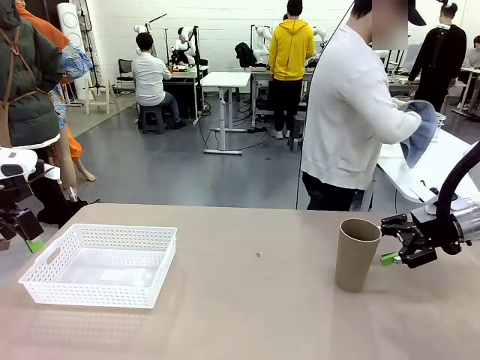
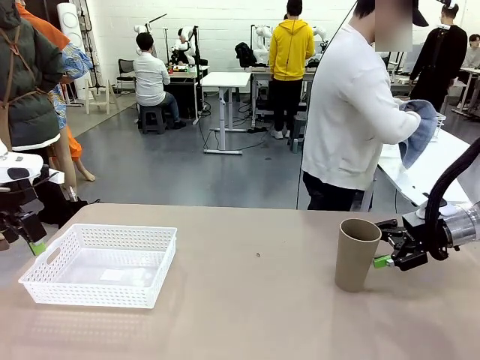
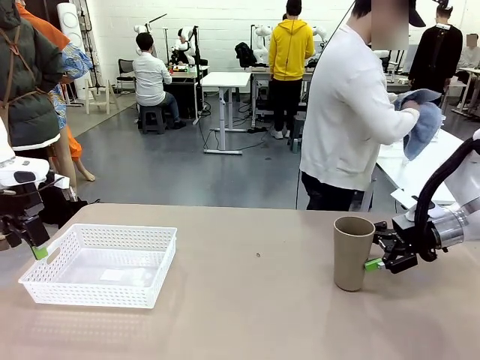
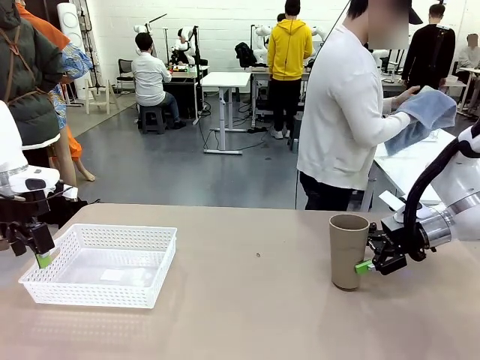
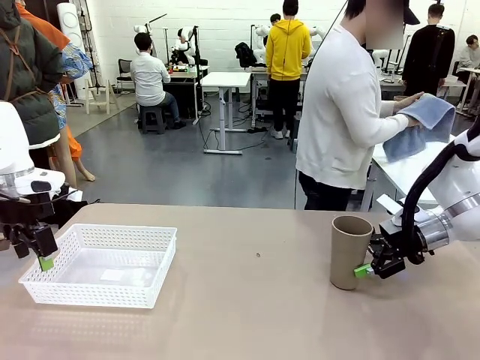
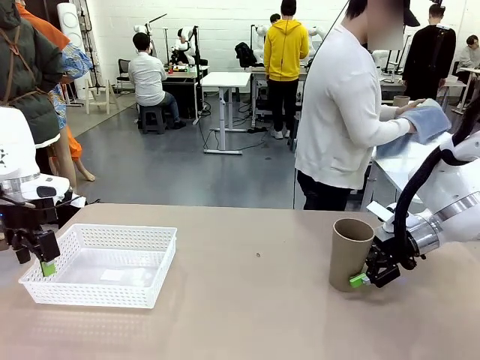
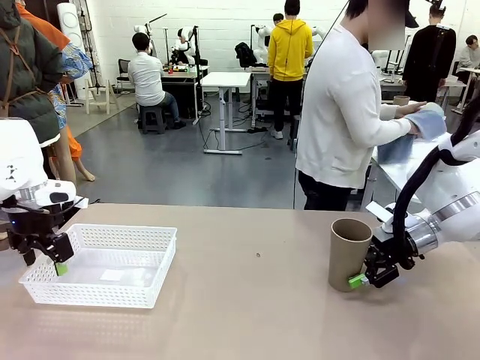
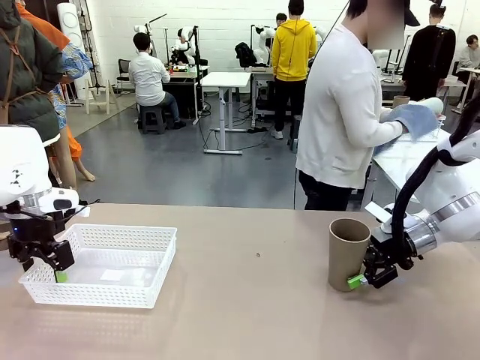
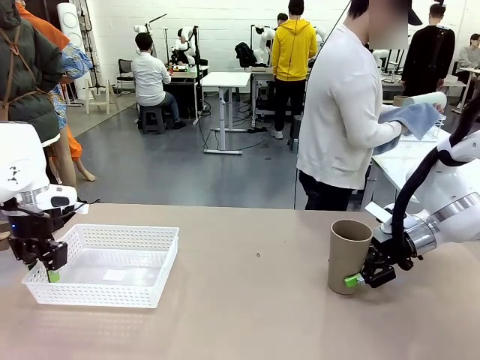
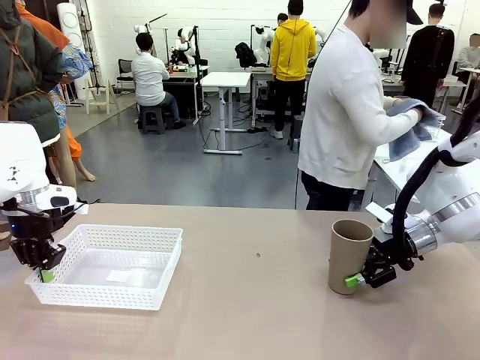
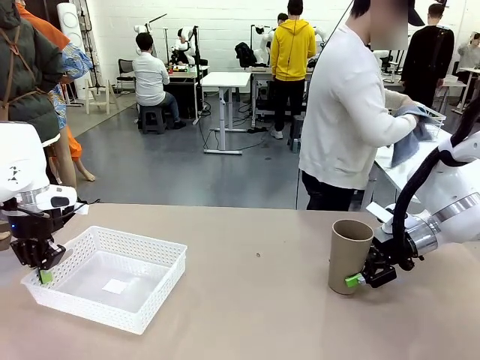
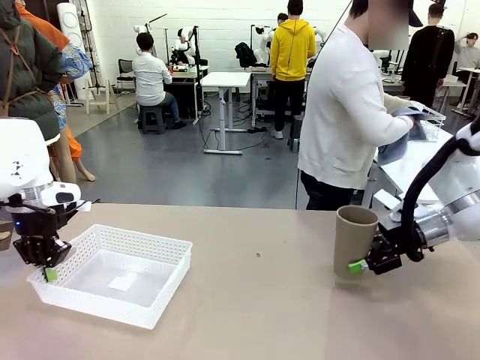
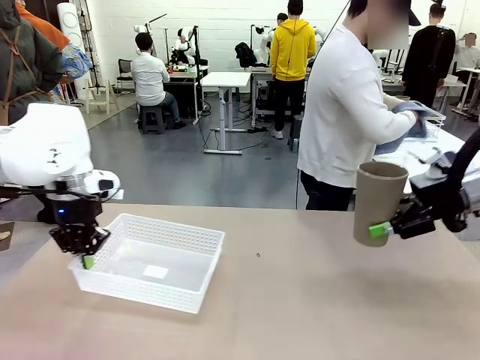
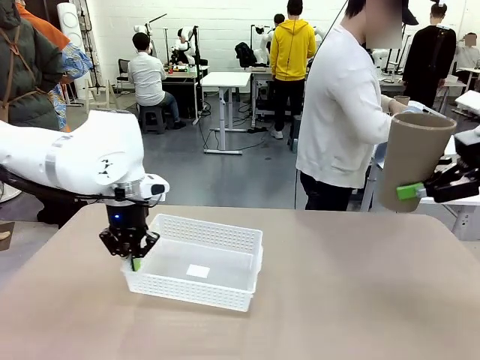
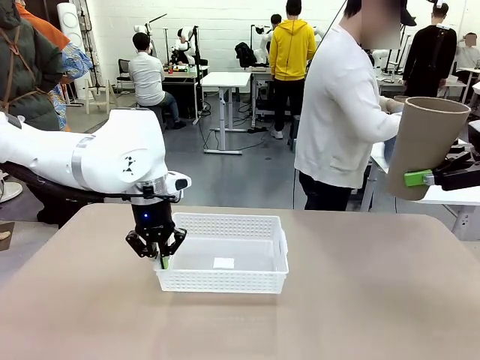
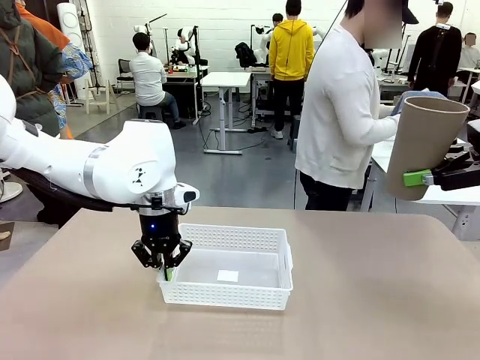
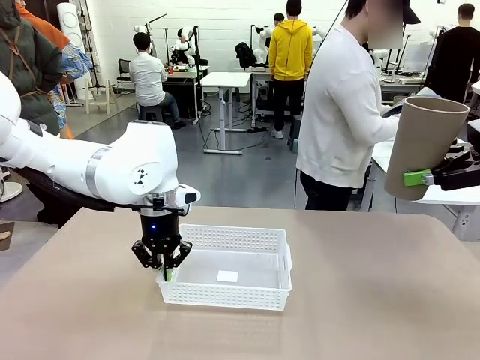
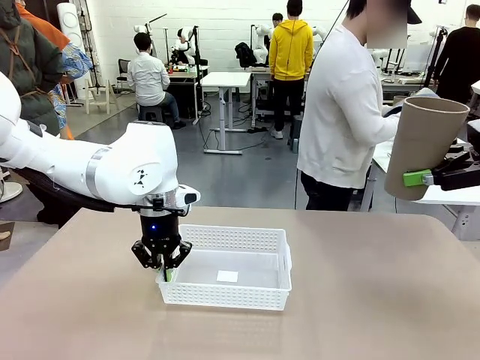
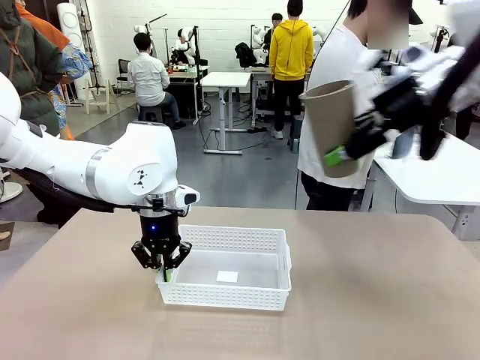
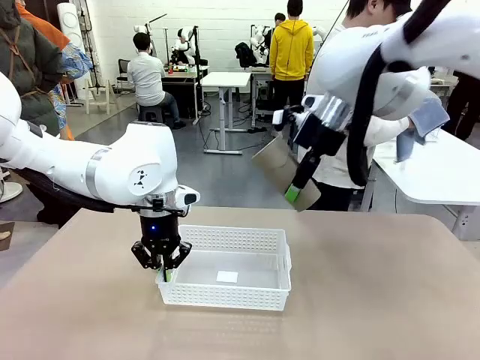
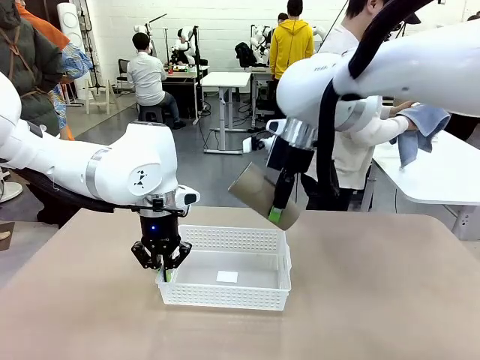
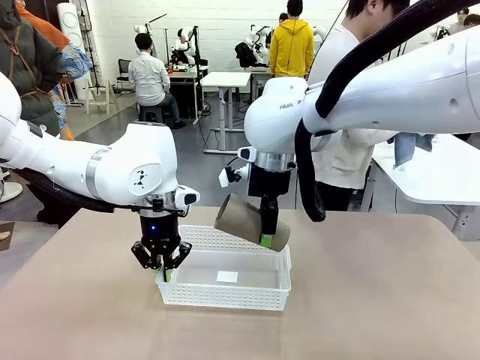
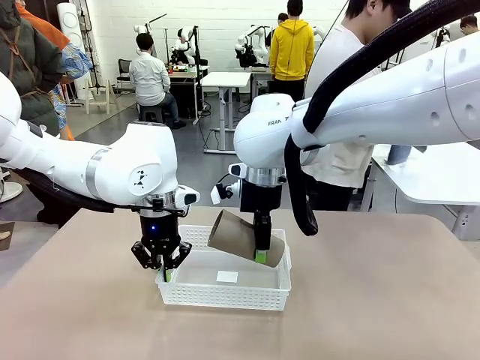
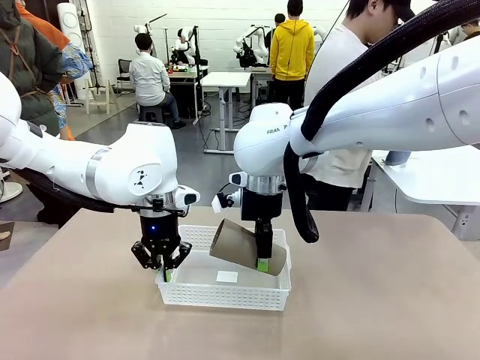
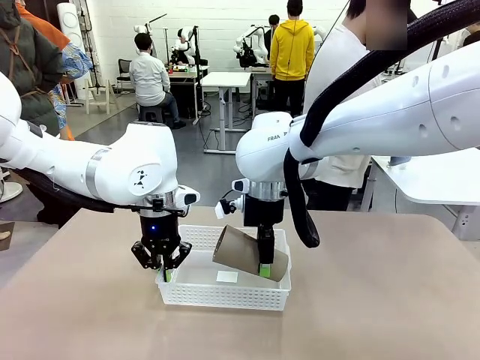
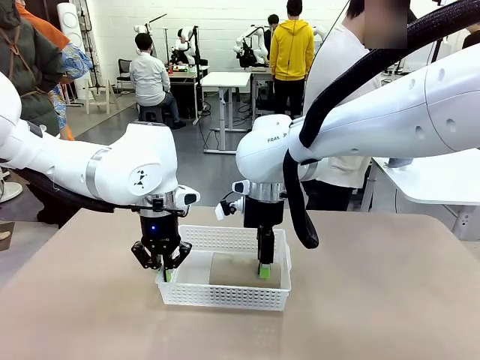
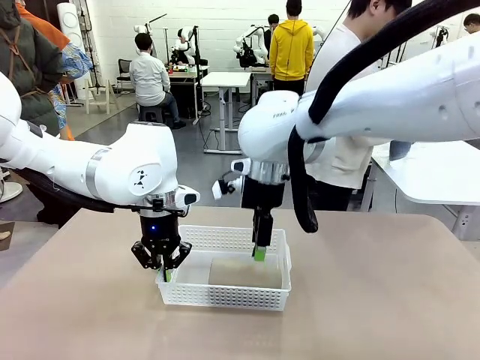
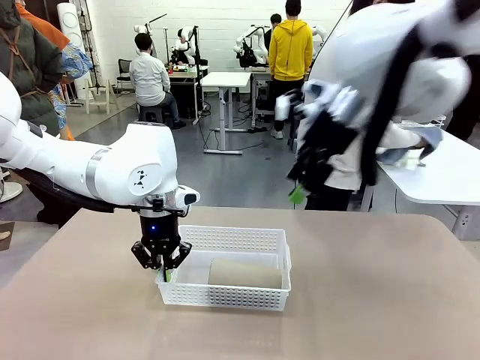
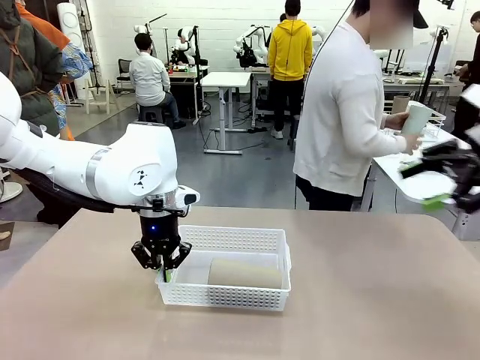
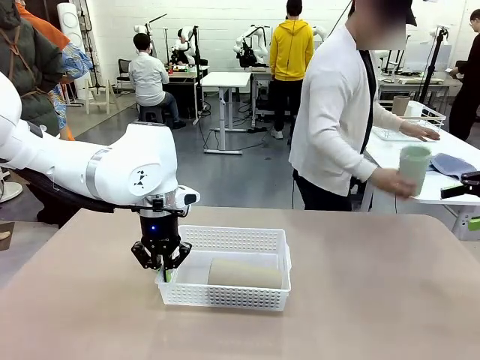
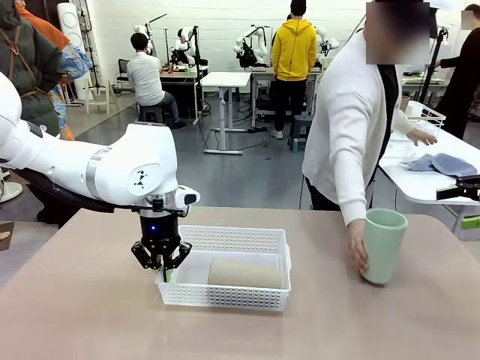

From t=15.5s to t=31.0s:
Task: Clean and organize the cups into the basket.
Robot: Pick up the Organizing basket and move it to the center of the table, then pick up the Reusable plastic cup from the right side of the table and place it inside the Organizing basket.

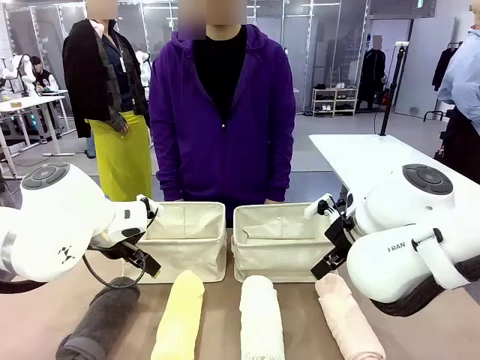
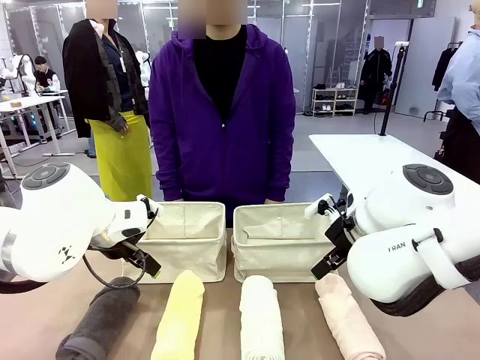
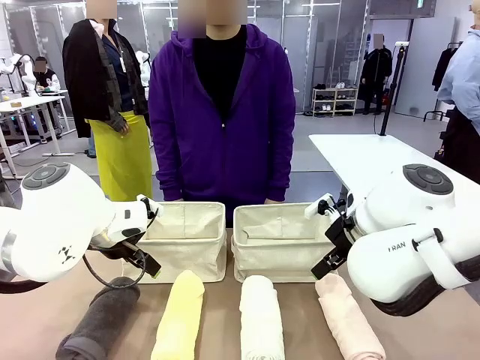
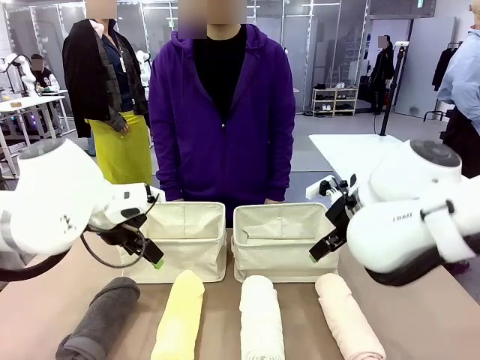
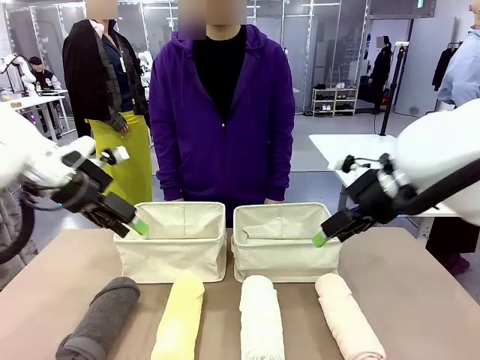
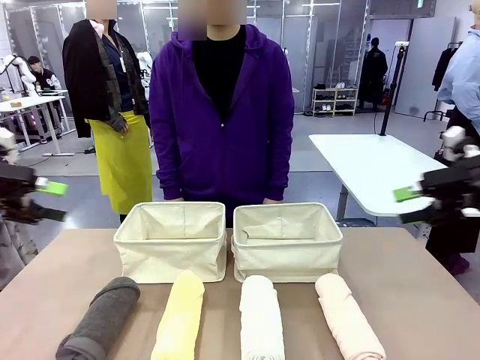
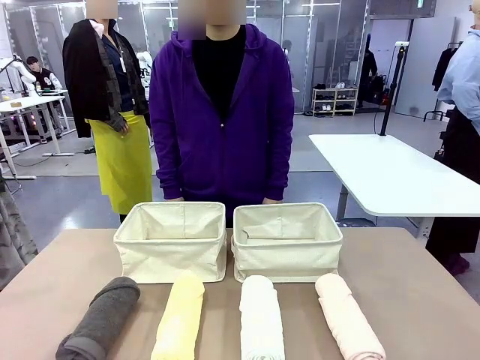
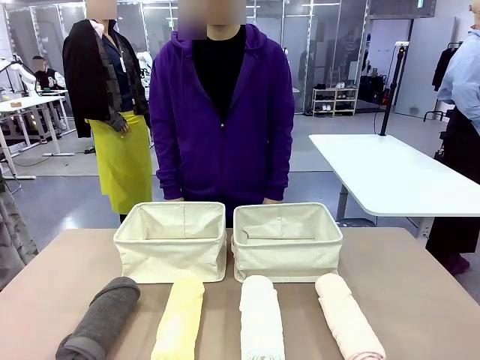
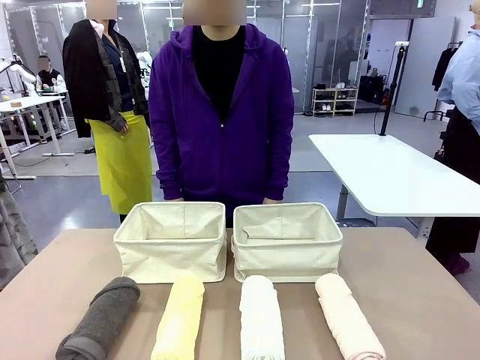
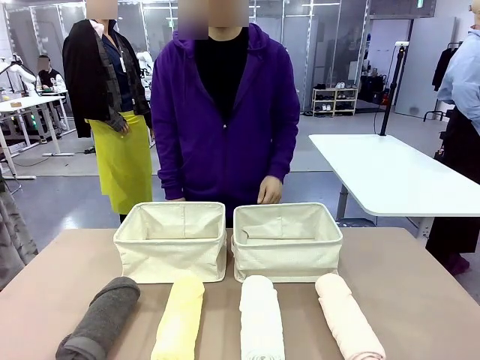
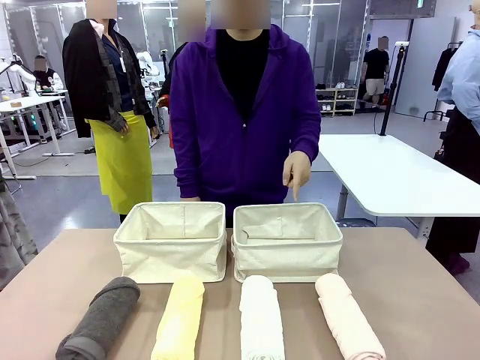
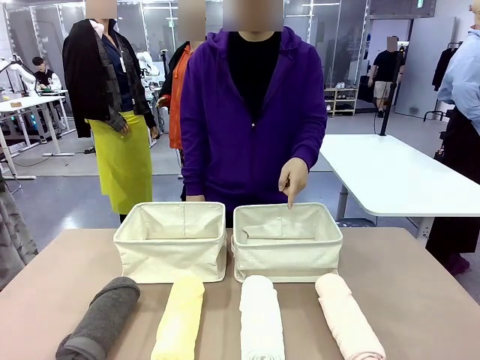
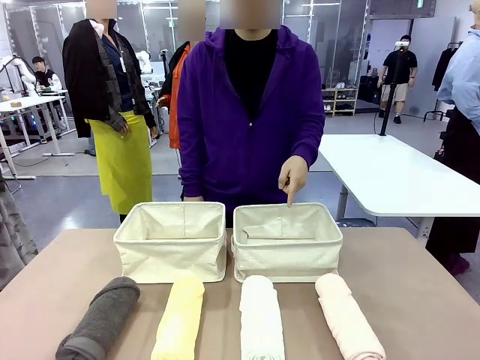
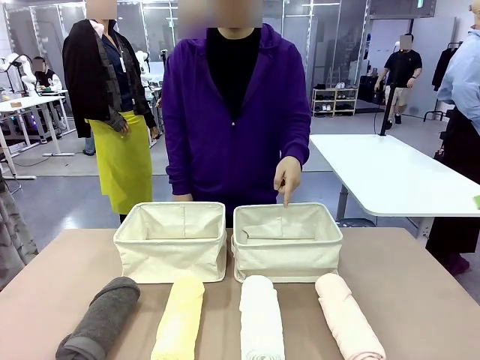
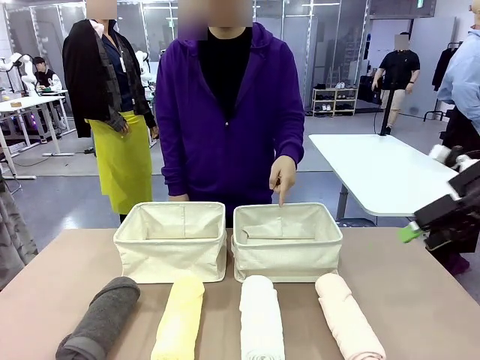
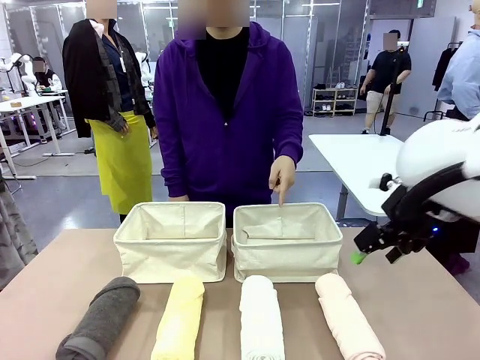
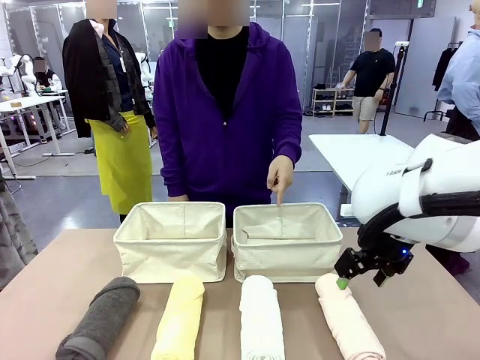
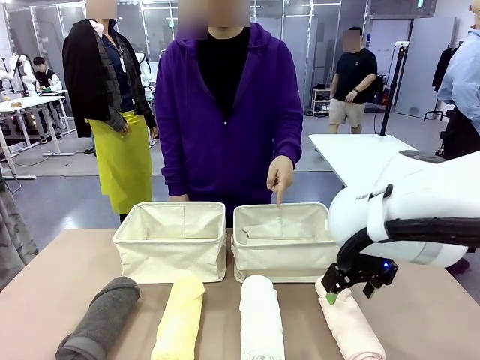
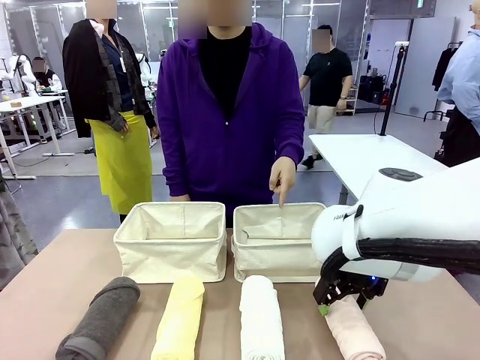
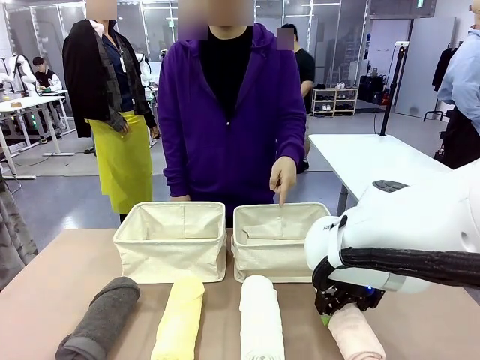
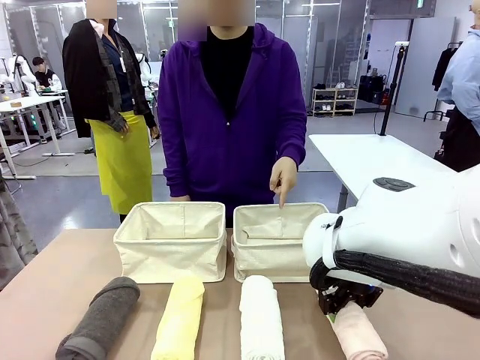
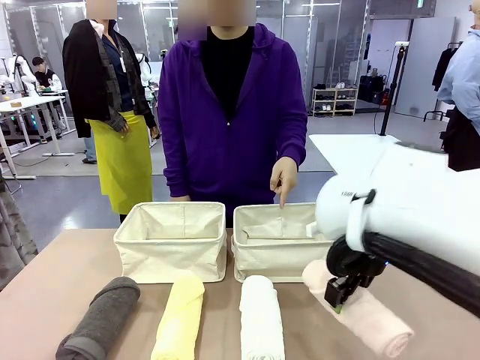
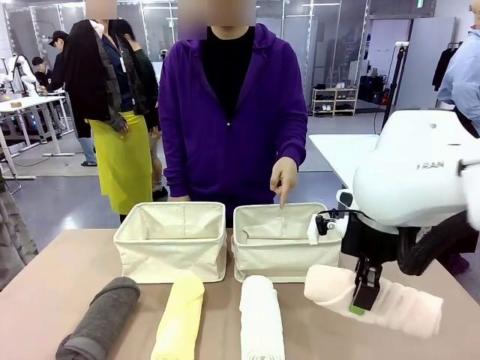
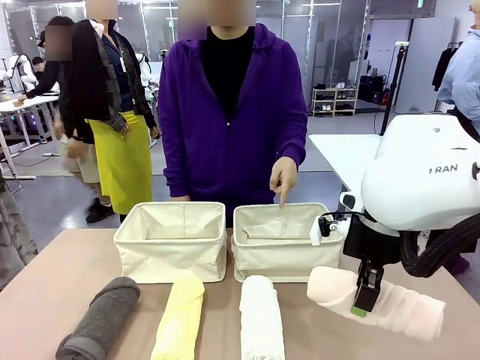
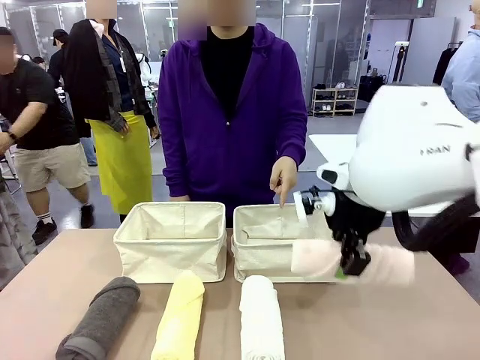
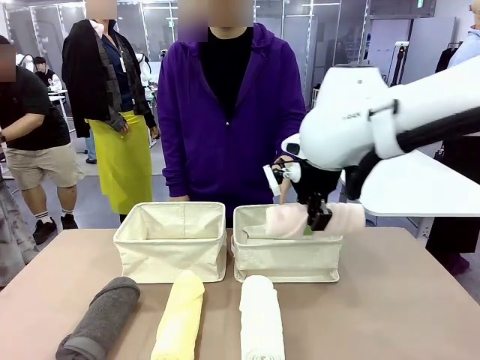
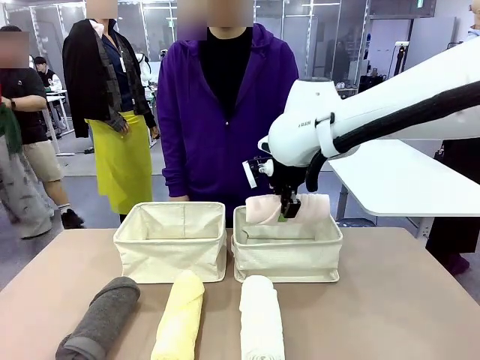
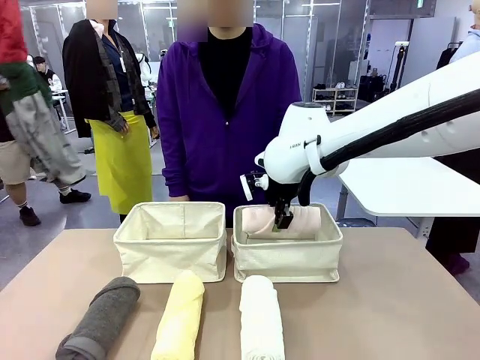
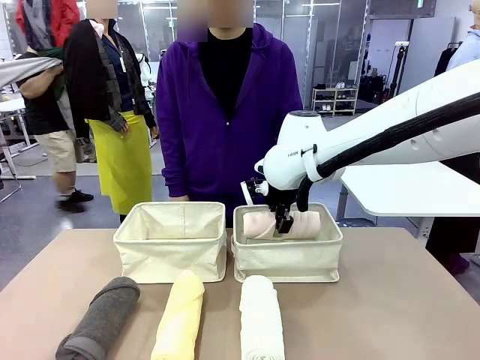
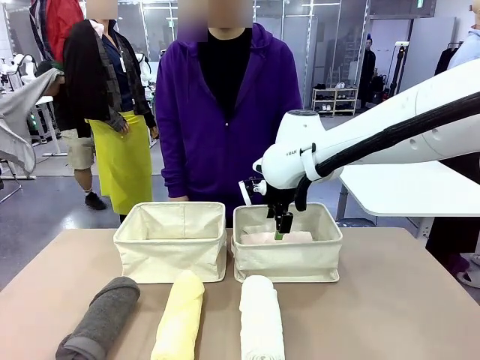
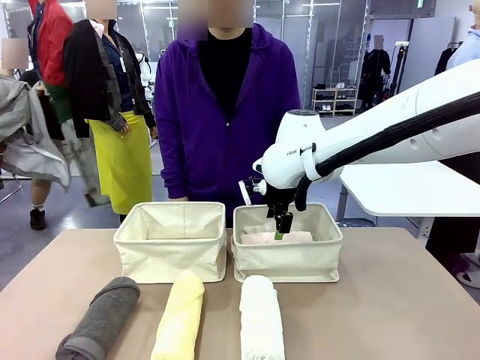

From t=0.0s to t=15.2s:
Task: Divide the towels into two baskets.
Robot: Pick up one hotel-folded towel and place it in the Fabric basket indicated by the person.
